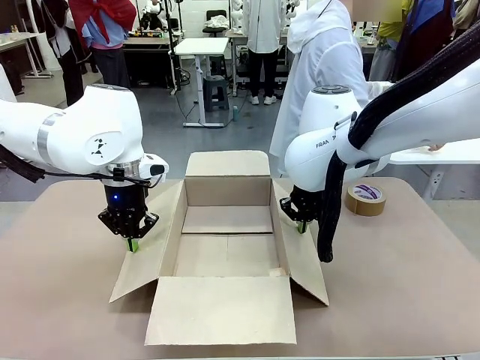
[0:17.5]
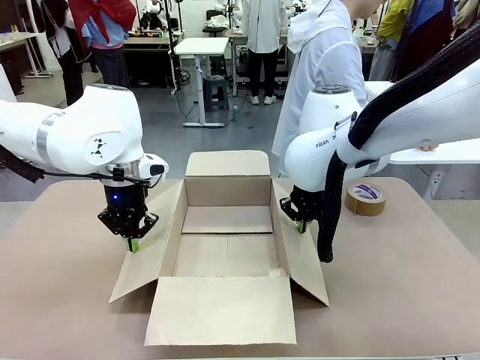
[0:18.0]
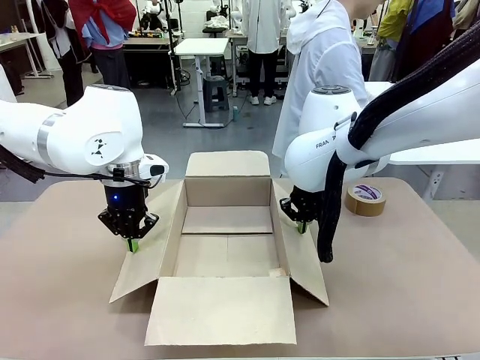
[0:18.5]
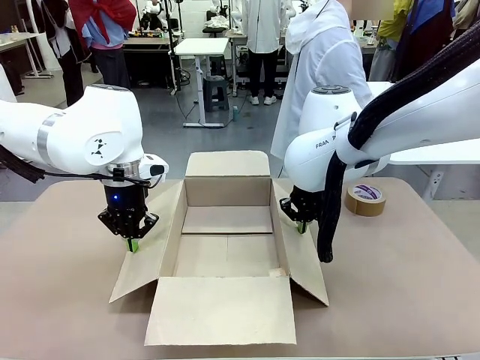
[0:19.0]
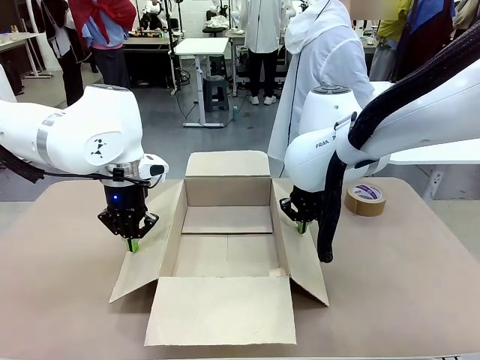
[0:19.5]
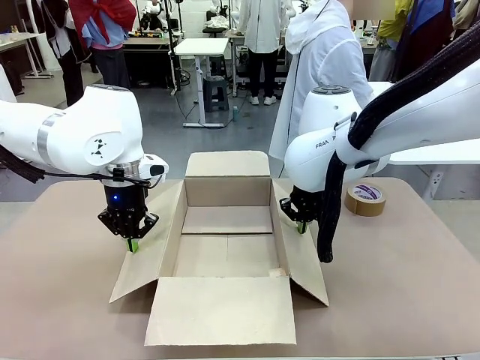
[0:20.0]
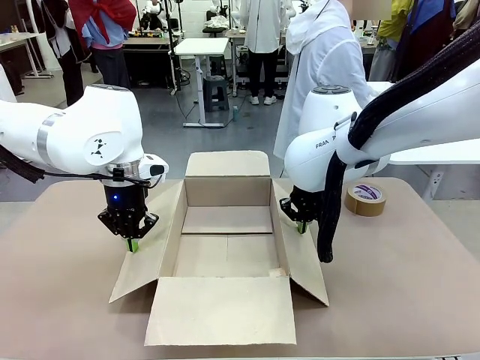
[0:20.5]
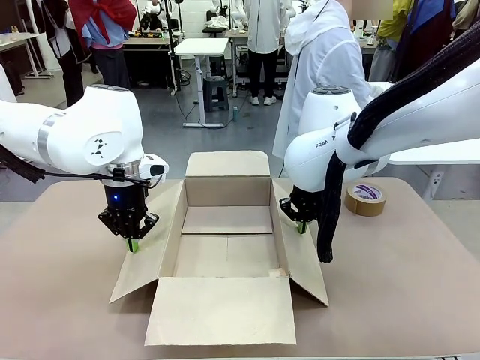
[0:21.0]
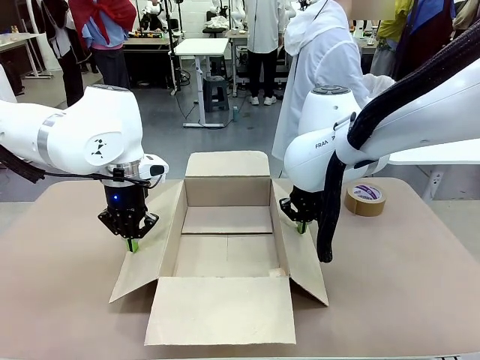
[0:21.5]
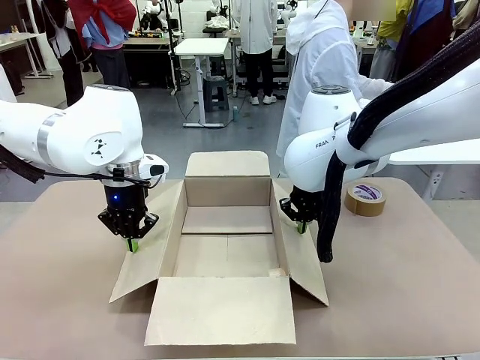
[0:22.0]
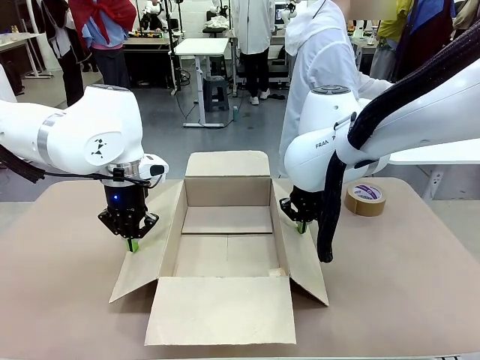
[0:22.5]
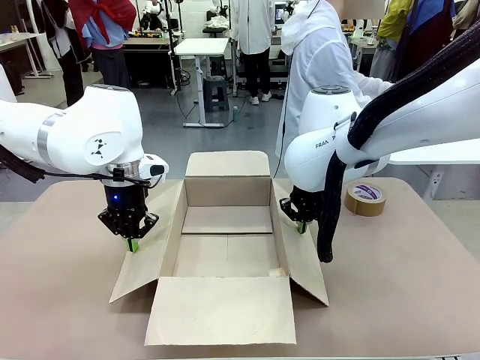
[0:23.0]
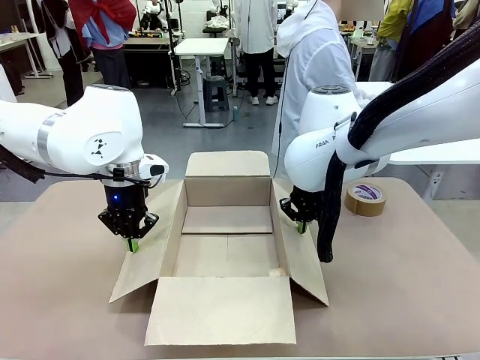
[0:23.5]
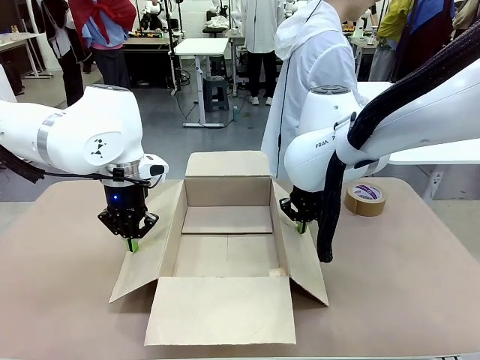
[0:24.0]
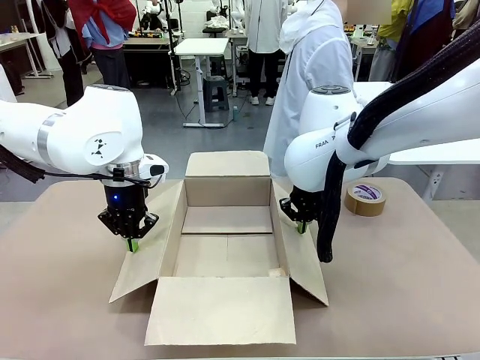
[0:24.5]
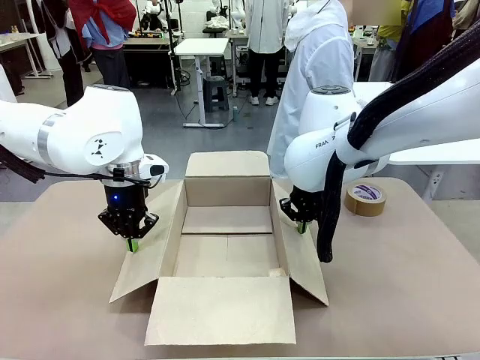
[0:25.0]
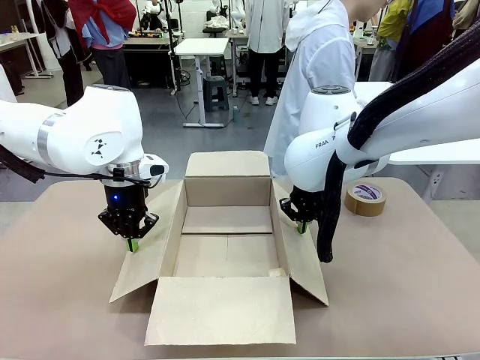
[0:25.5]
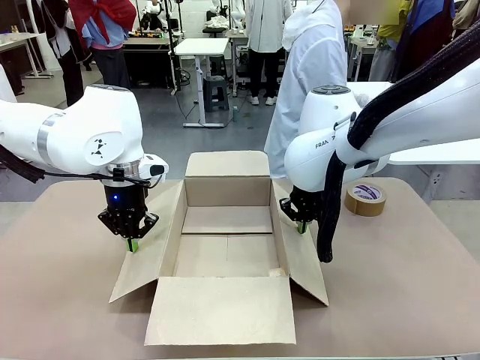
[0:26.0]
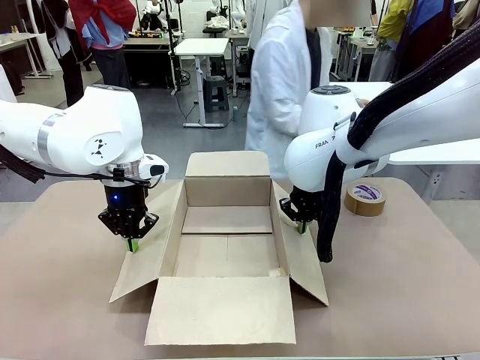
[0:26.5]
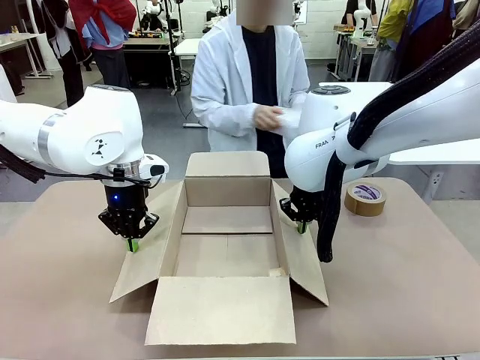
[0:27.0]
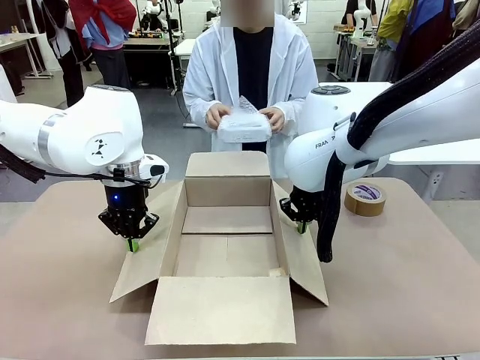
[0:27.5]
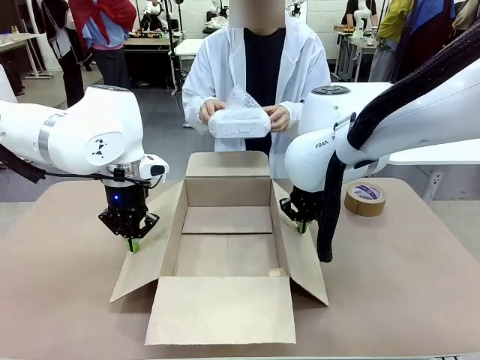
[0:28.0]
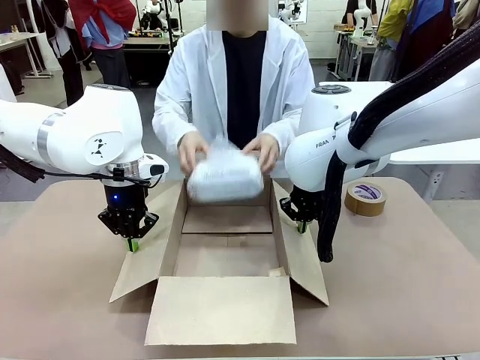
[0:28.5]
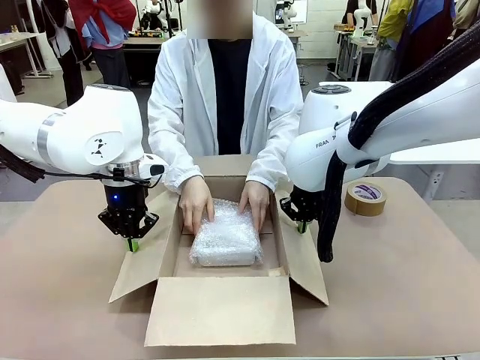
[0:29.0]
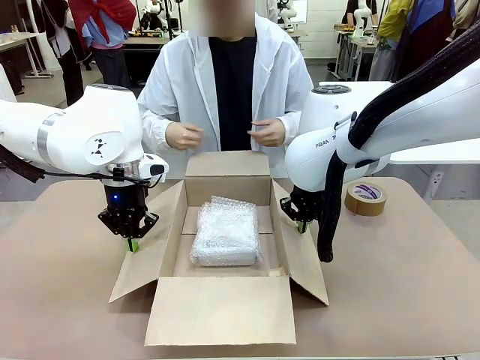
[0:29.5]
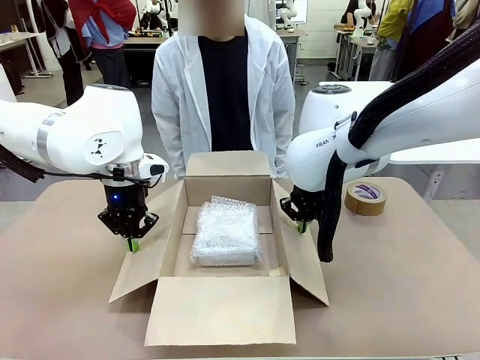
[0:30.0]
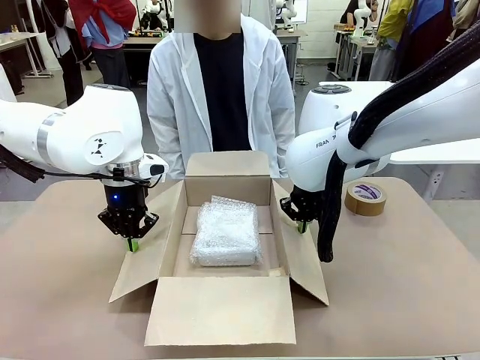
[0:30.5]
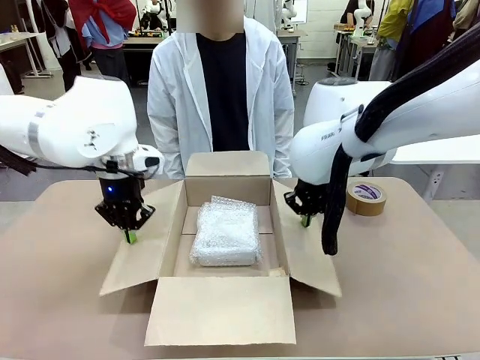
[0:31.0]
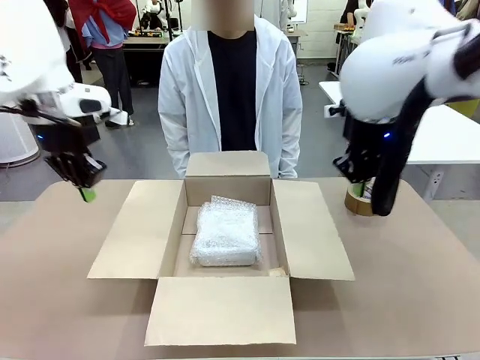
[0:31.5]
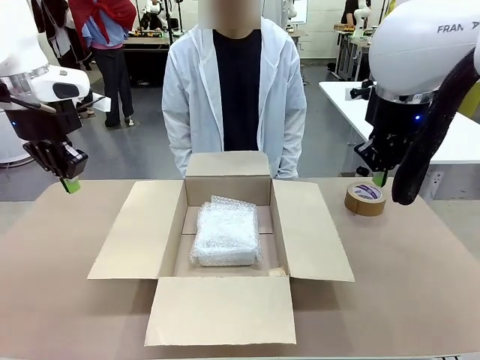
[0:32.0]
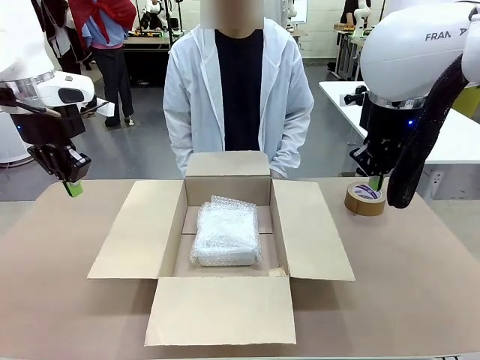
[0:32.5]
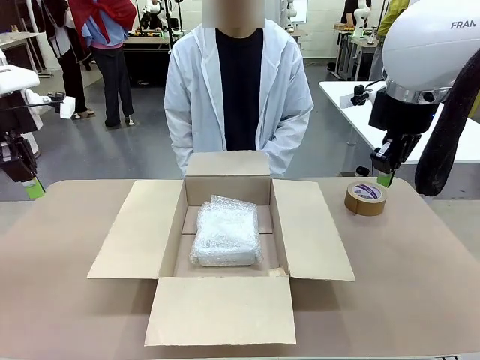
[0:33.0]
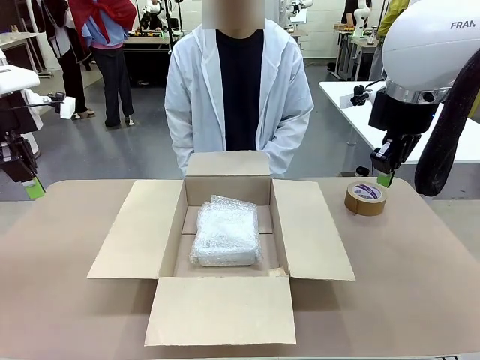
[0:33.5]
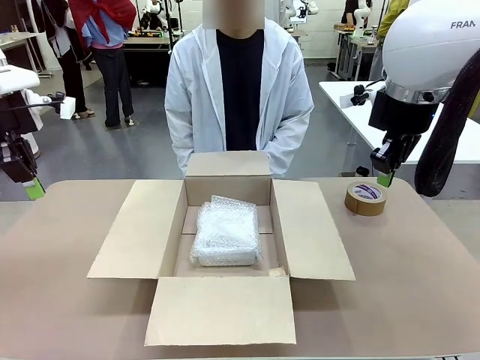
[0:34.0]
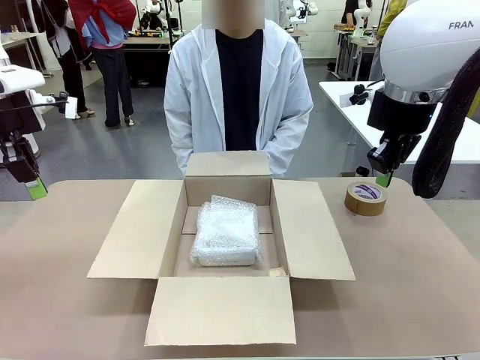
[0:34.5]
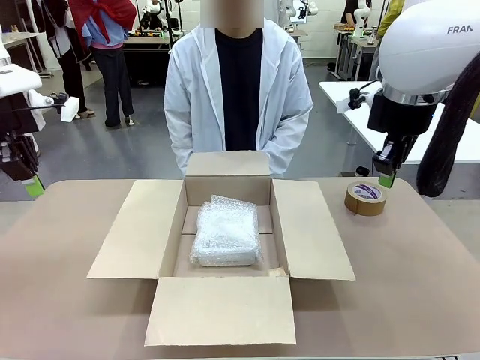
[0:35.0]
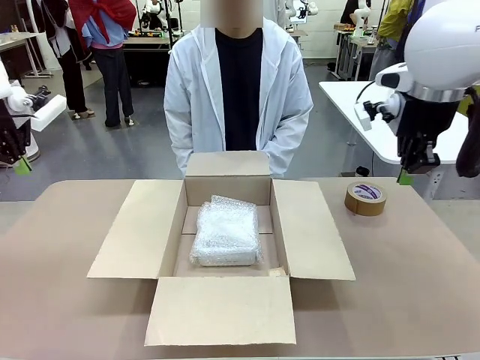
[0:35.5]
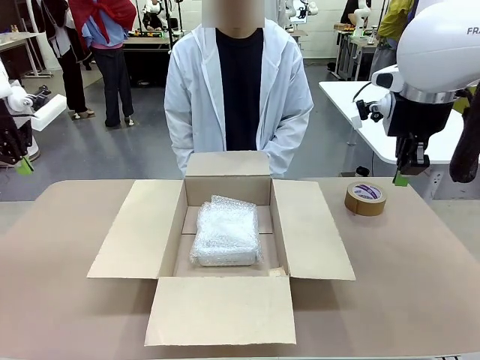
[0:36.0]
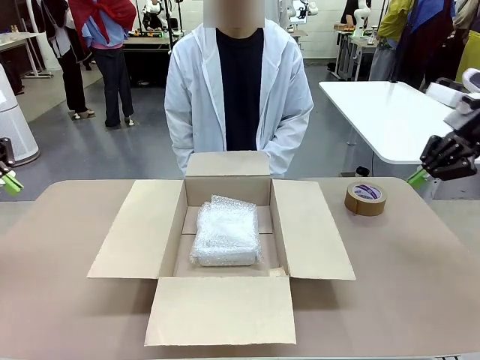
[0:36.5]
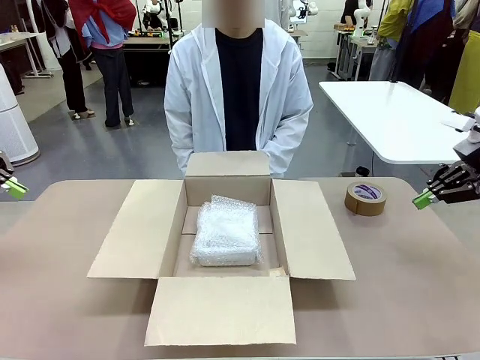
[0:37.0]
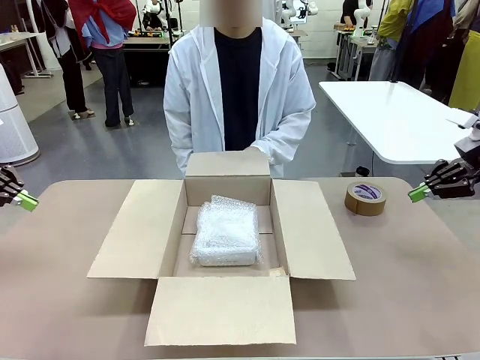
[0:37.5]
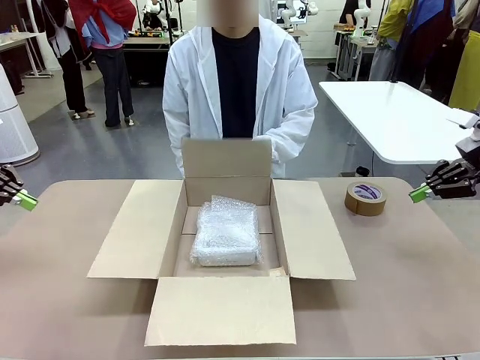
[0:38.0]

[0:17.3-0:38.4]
Task: Wrap the clocks to prevent damage.
Robot: Once the human has placed the objects inside and stepped back, release both hands from the side flaps of the Package Box.
Person: Place the wrapped Digital clocks inside the Package Box. Hold the top and bottom flaps of the Package Box closed with your left (or right) hand.

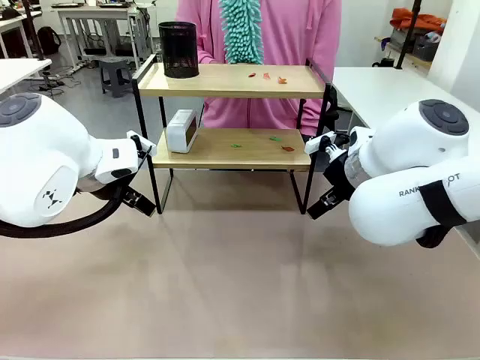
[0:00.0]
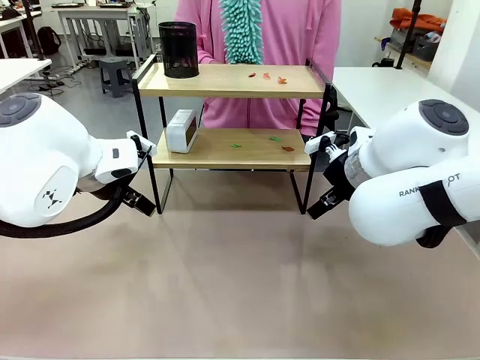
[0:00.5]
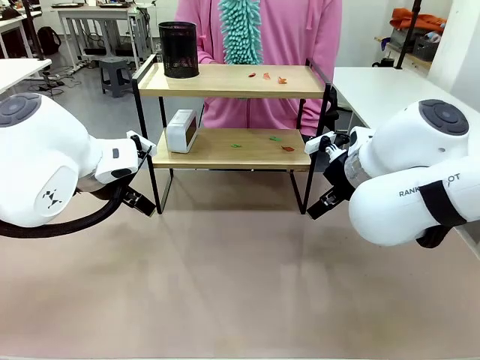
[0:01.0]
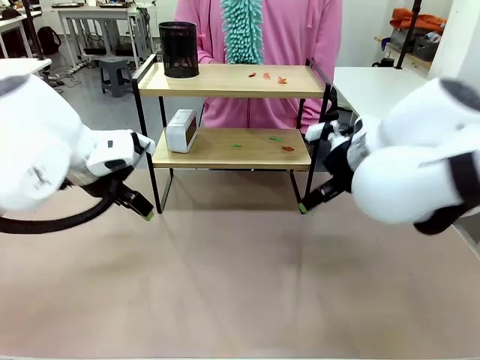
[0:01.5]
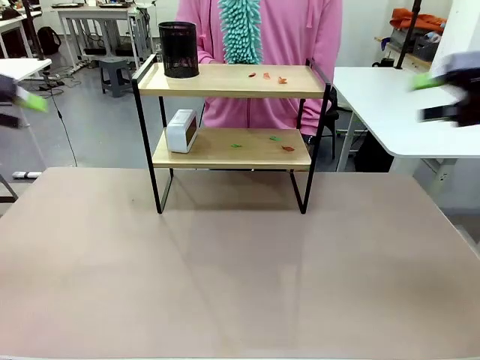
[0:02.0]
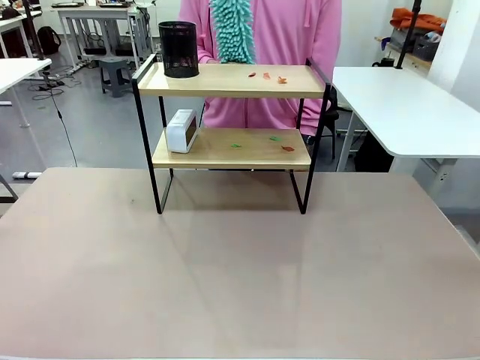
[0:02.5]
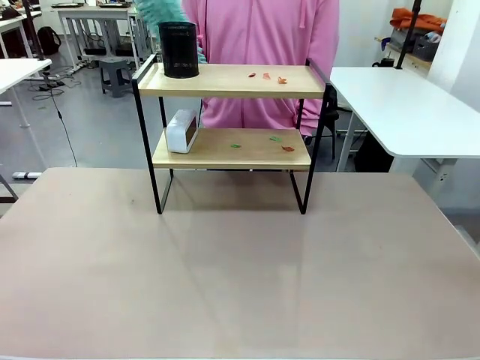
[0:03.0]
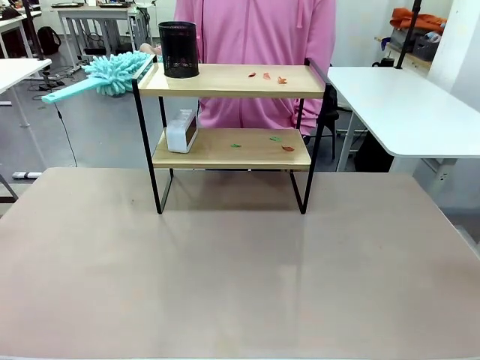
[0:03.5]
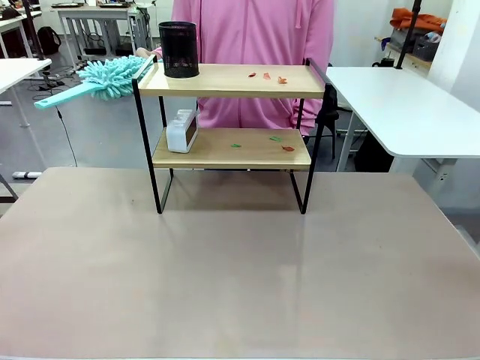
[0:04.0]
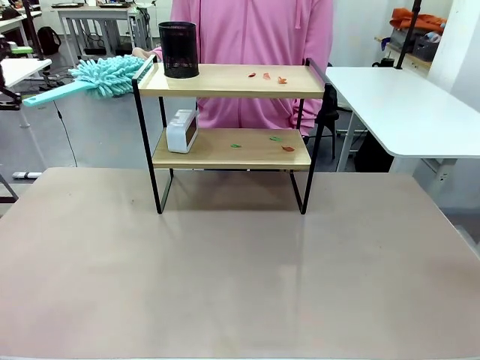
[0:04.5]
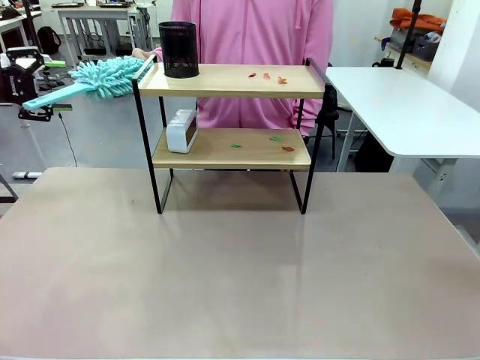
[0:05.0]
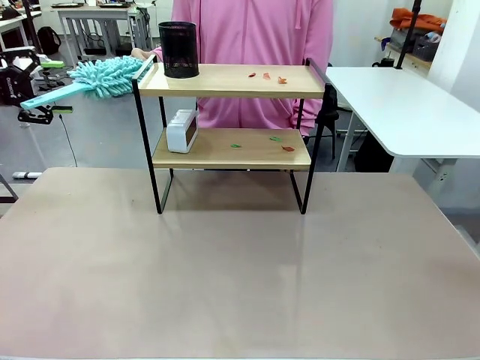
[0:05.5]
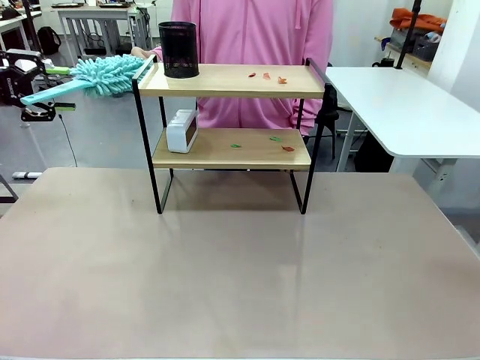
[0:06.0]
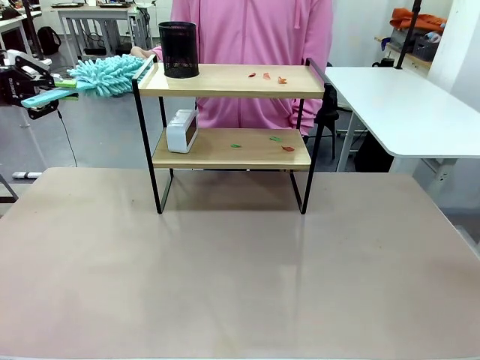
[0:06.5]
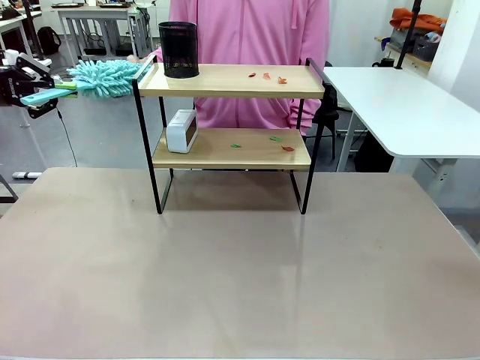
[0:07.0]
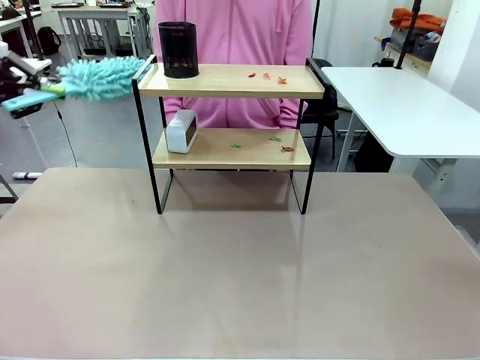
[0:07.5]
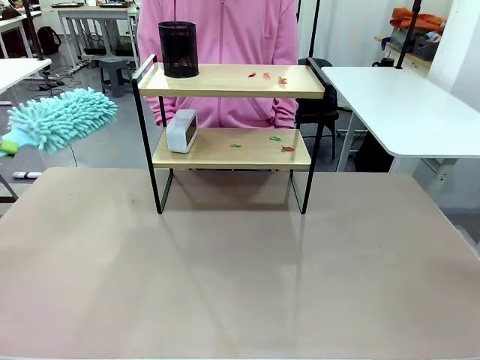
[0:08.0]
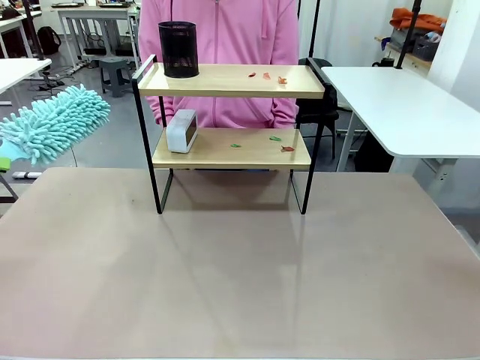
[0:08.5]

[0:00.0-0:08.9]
Task: Clean the shelf.
Robot: Pick up the Duster from the human.
Person: Hand the Duster to the robot.
